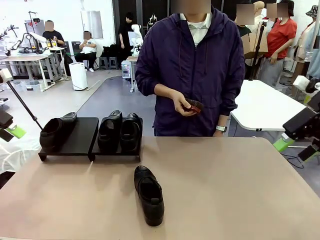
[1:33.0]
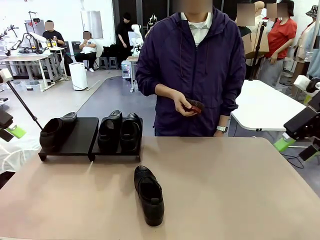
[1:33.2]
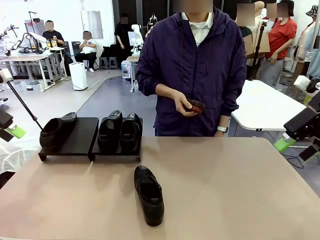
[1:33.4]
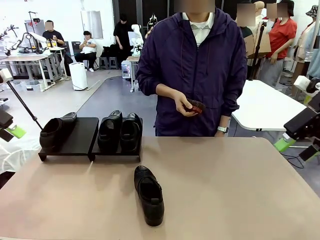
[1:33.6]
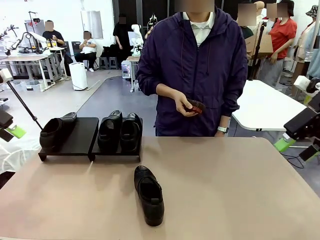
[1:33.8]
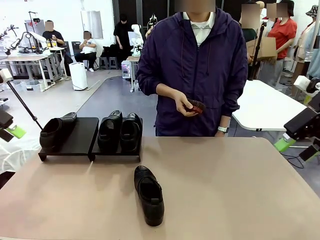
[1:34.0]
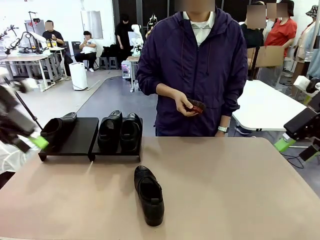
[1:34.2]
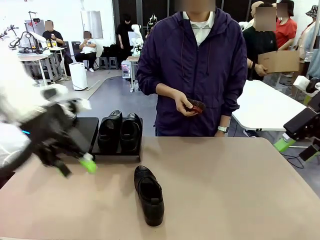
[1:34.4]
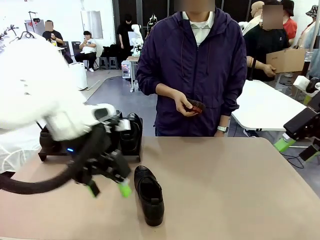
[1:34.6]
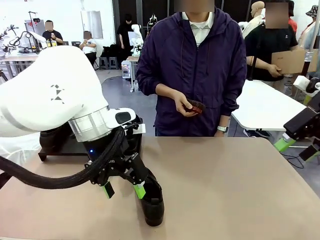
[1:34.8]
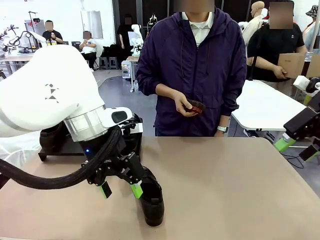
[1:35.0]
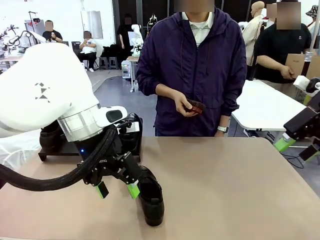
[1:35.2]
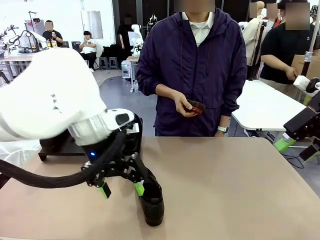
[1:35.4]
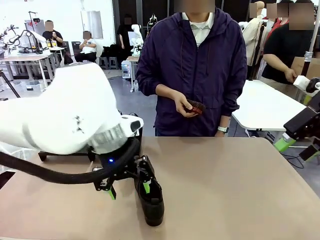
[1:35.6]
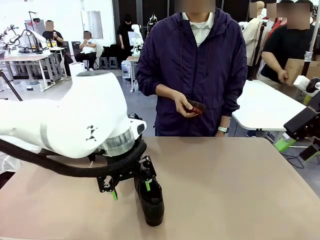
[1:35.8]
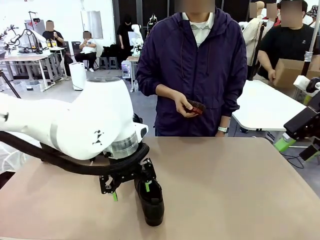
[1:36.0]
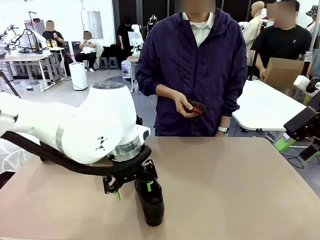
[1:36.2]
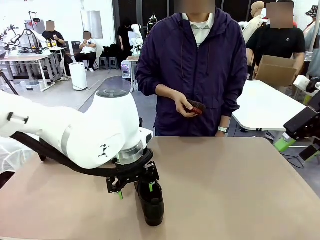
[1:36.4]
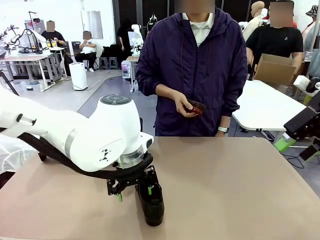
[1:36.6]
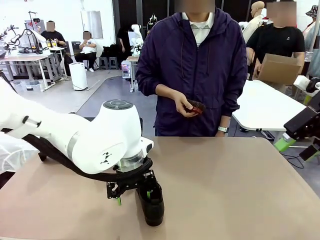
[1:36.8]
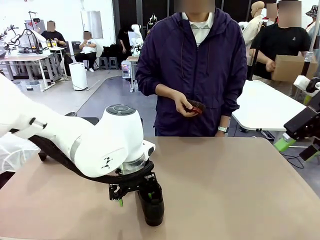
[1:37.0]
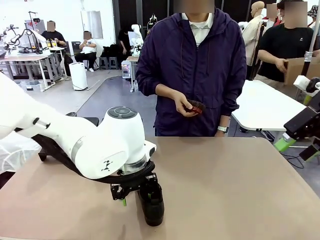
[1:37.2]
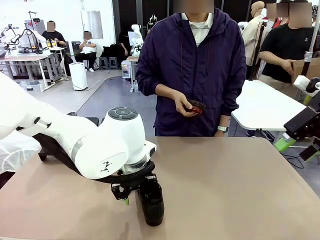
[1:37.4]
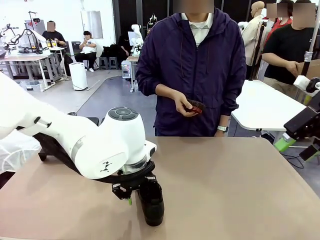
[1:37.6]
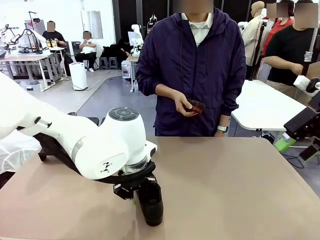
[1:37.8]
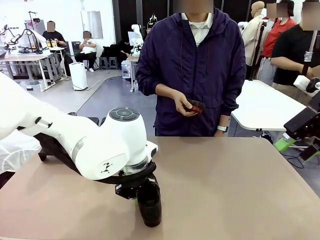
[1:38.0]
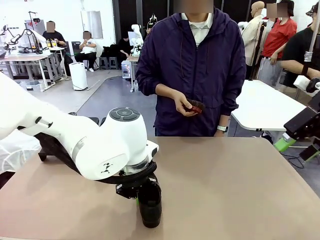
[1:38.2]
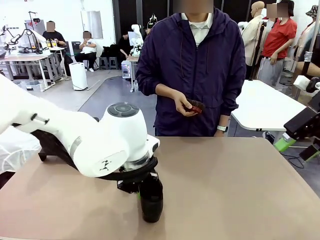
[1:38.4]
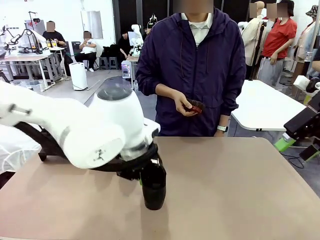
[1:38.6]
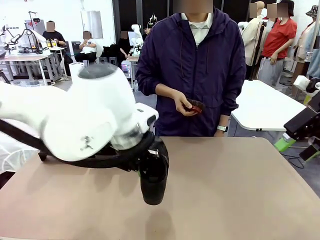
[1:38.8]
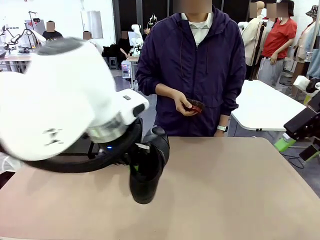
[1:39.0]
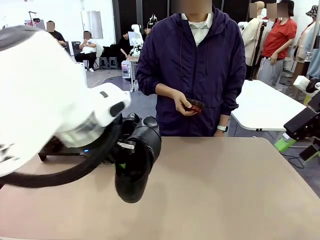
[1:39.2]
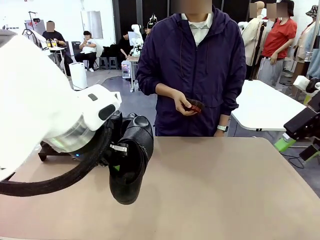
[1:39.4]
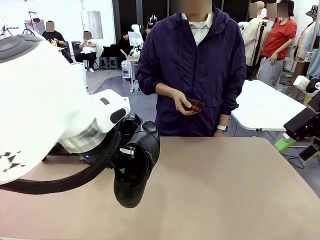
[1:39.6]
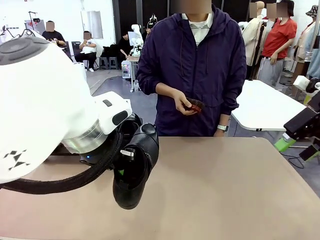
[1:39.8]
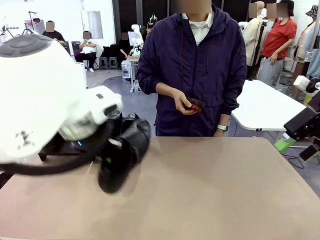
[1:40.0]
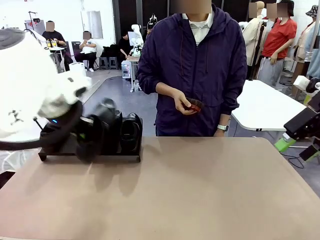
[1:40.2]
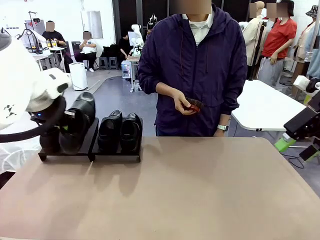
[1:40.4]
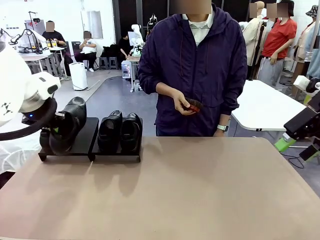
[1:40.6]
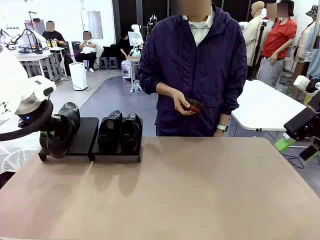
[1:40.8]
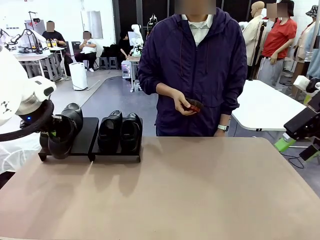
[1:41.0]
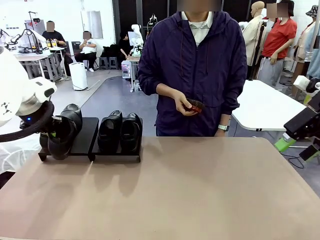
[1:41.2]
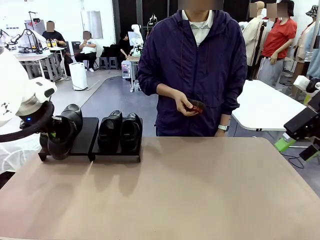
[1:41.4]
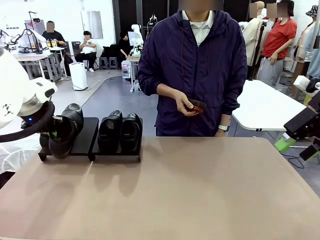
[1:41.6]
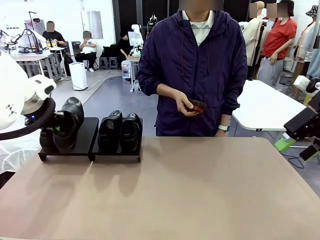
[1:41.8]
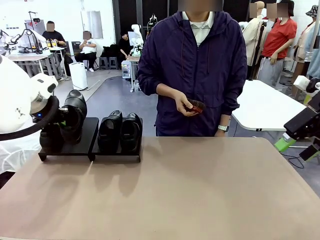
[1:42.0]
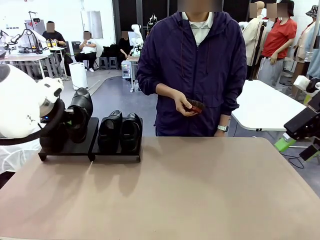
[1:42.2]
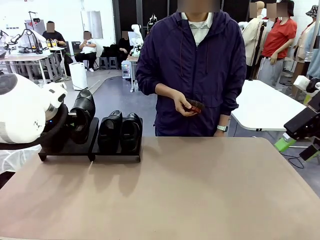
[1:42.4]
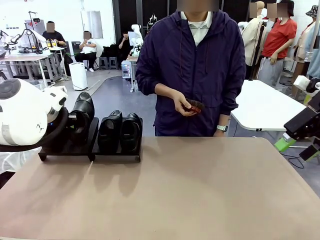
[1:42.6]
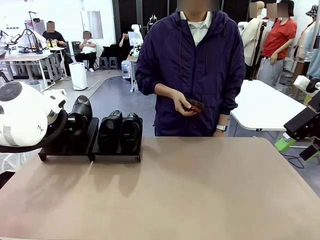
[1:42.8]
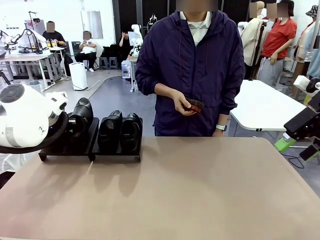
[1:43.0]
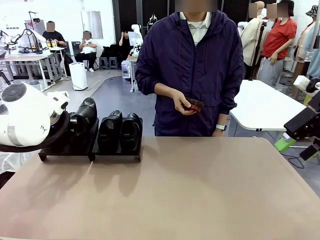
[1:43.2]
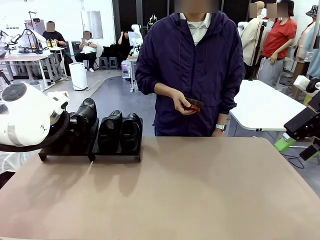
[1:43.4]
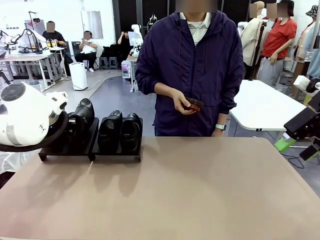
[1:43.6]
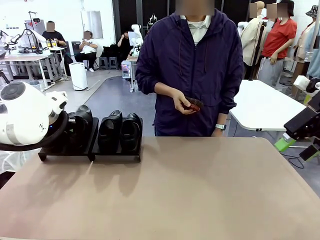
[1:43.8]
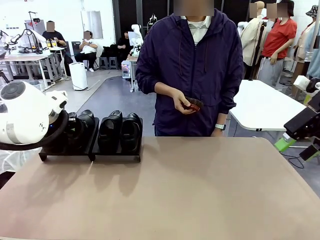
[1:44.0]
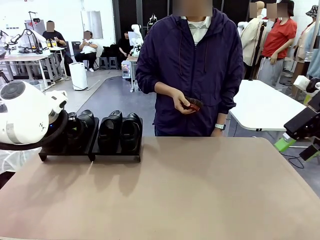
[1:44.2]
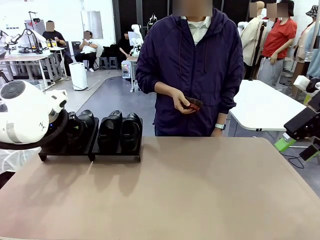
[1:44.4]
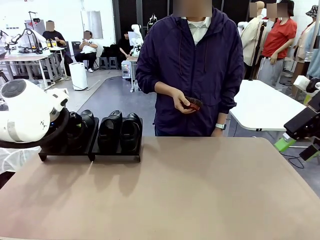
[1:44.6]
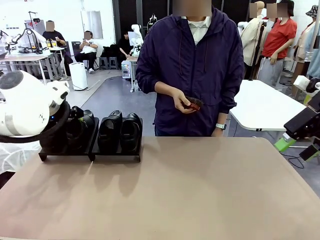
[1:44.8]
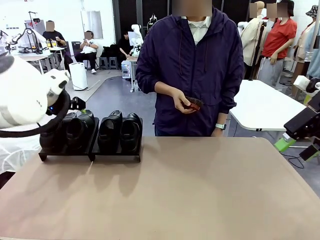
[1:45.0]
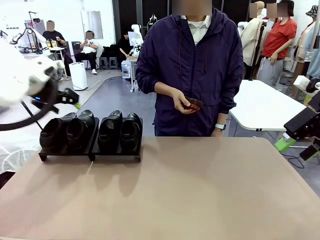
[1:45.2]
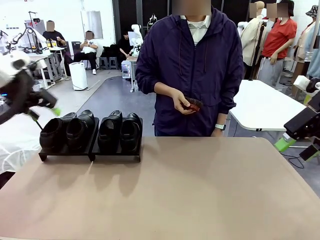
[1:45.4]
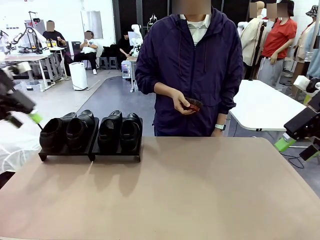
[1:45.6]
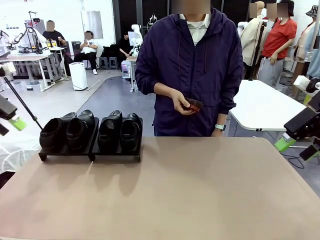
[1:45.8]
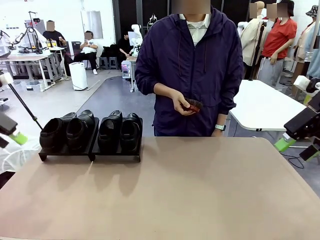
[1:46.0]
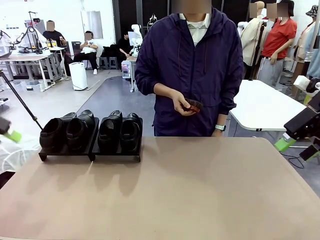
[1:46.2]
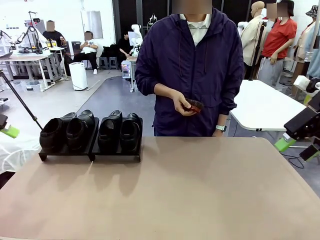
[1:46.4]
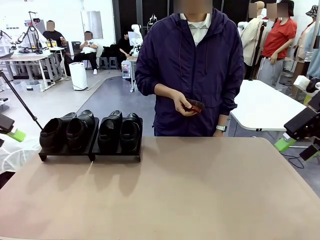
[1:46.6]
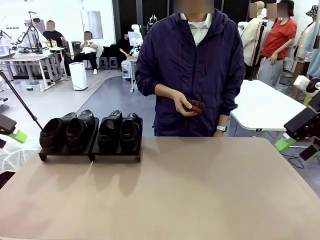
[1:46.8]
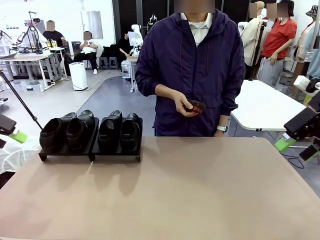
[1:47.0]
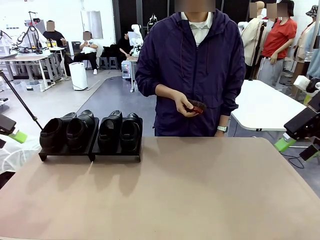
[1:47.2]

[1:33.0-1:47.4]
Task: Organize the shoes by placing them on the stand.
Robot: Place the Shoe from the middle of the table onto the Shoes Stand.

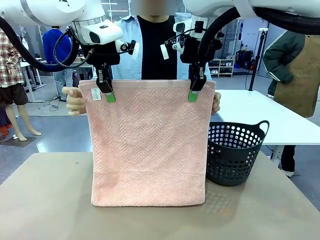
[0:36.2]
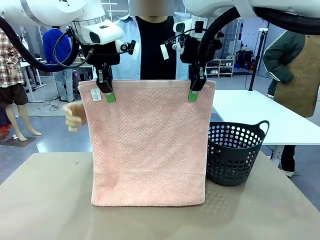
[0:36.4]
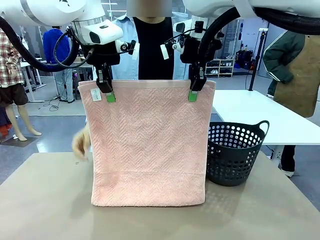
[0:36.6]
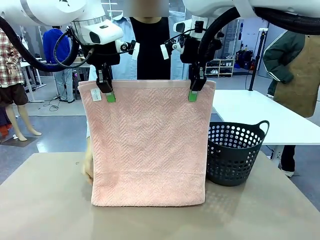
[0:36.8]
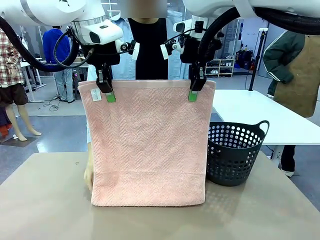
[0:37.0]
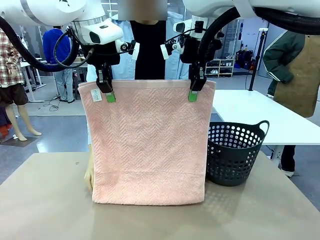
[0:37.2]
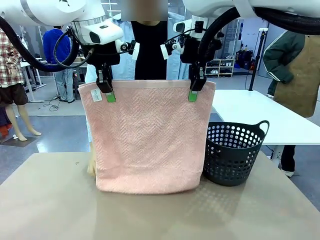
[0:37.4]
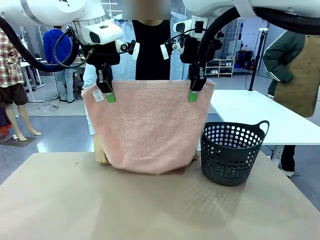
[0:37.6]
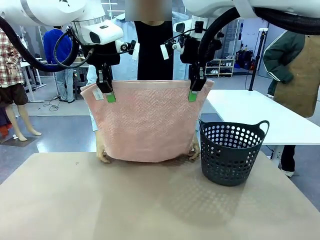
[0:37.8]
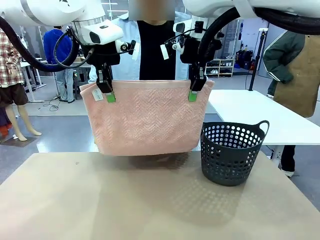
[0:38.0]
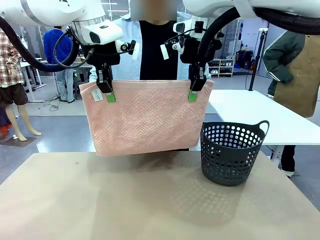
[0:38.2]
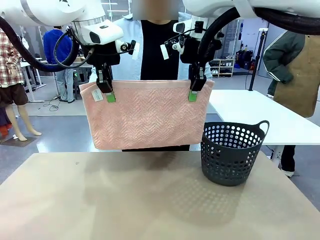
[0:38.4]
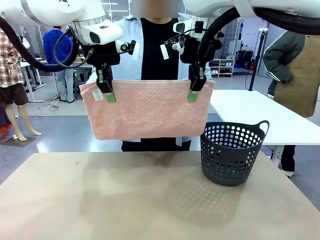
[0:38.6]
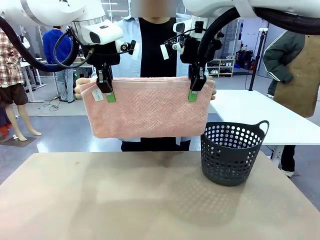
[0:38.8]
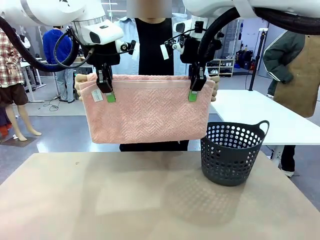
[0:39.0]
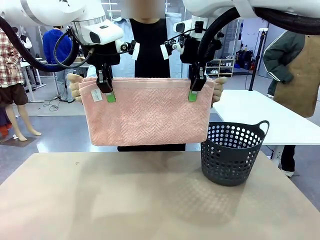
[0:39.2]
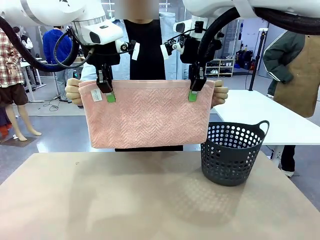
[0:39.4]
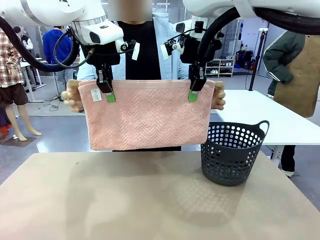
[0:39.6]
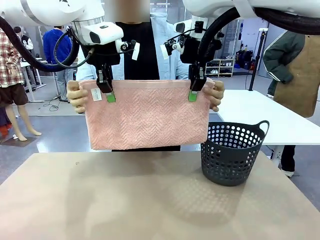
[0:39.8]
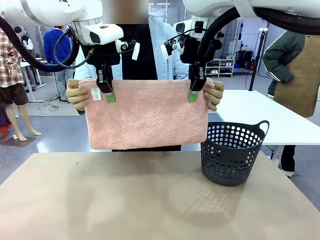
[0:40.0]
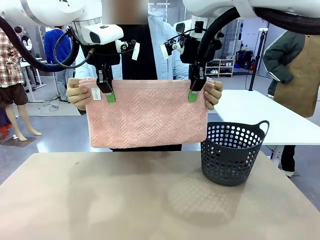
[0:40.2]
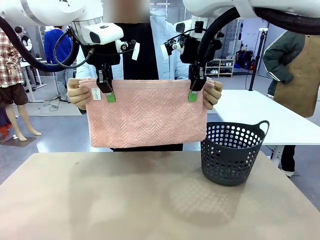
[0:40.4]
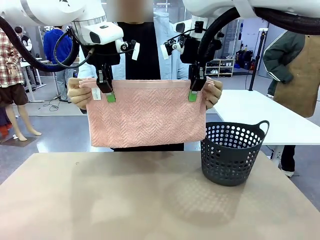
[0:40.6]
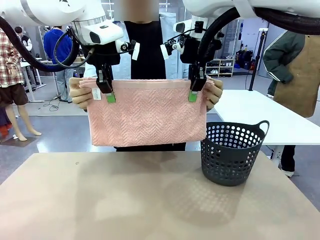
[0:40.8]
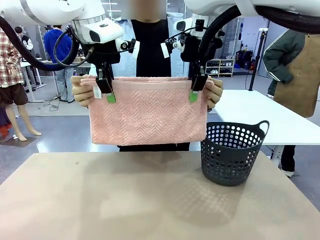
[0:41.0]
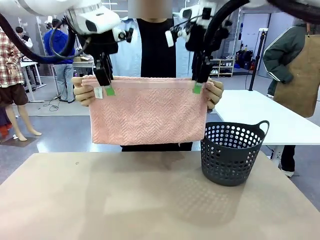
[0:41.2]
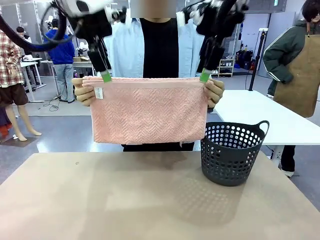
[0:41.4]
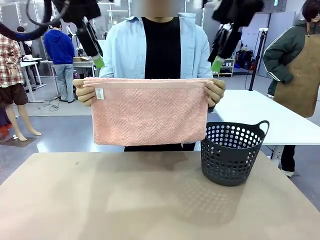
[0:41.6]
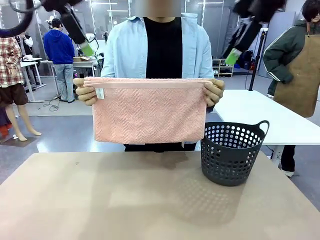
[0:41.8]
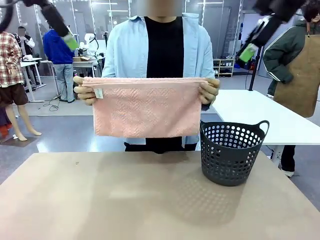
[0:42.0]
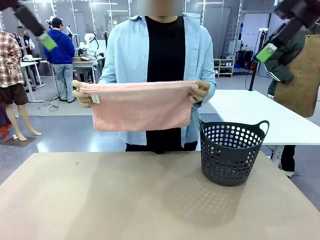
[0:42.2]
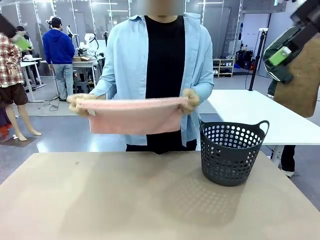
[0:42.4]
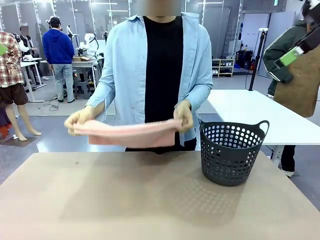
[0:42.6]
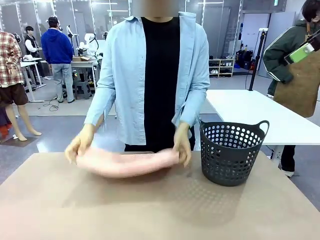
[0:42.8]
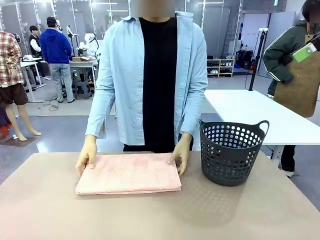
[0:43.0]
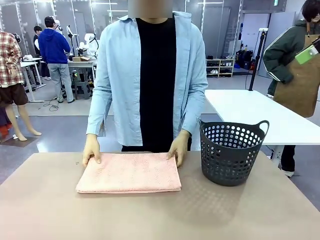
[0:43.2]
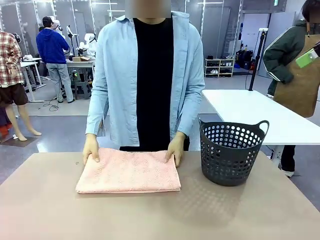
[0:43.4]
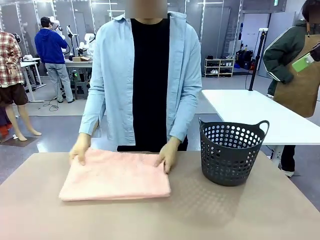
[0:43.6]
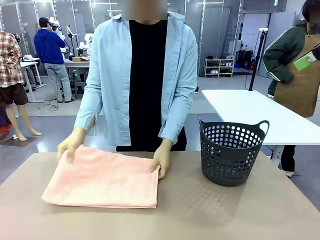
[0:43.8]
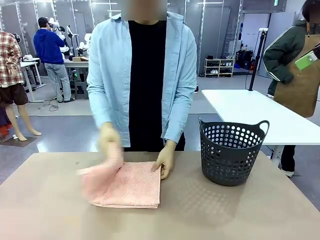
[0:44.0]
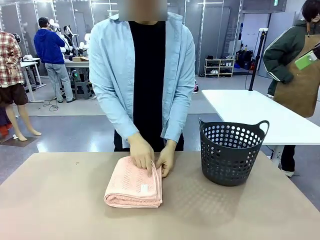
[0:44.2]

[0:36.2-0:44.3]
Task: Fold the towel.
Robot: Release the end of the 100 cm Hotel Towel you were holding.
Person: Place the towel at the center of the robot table and fold it in half.
